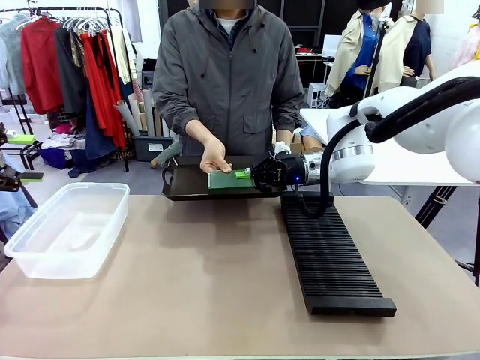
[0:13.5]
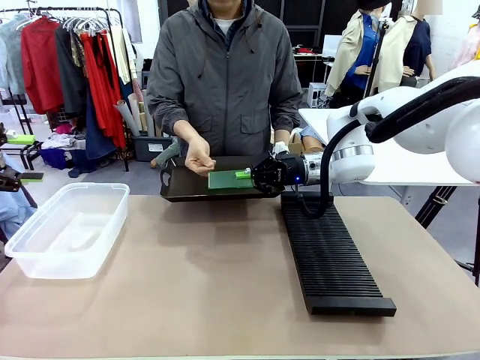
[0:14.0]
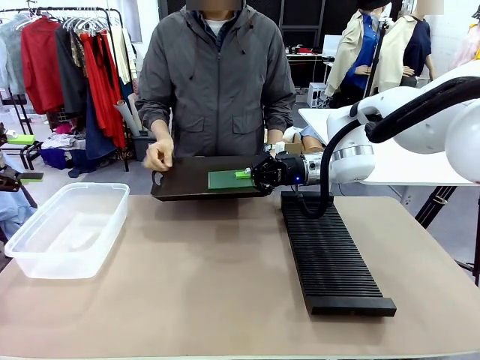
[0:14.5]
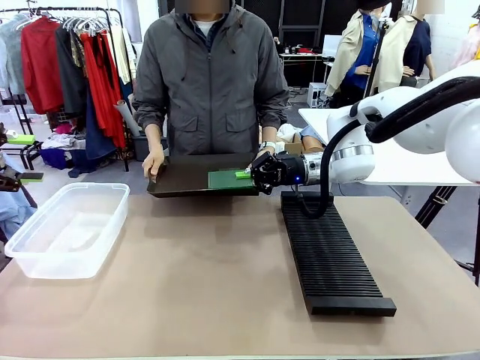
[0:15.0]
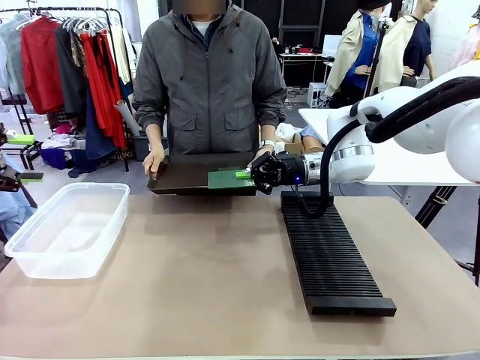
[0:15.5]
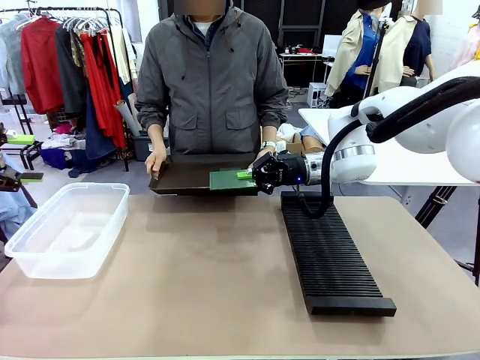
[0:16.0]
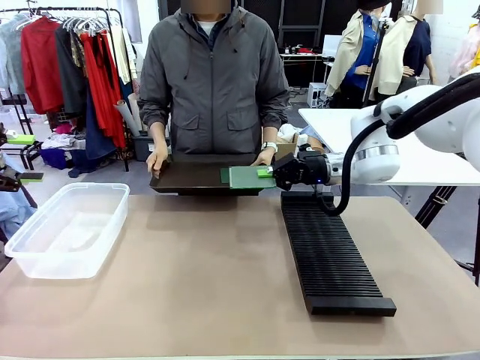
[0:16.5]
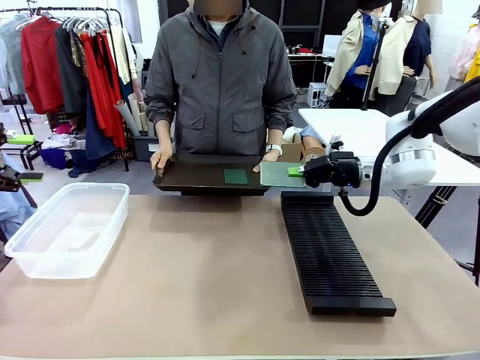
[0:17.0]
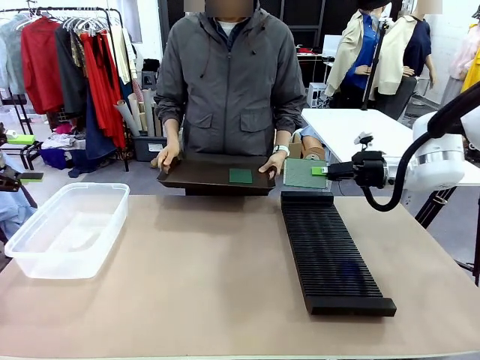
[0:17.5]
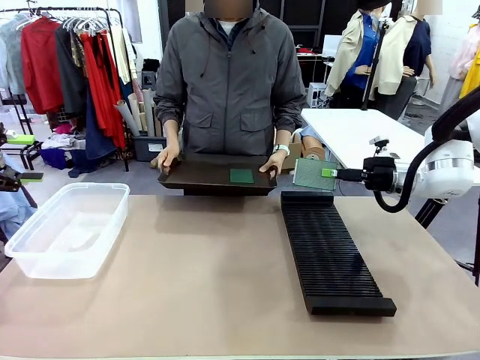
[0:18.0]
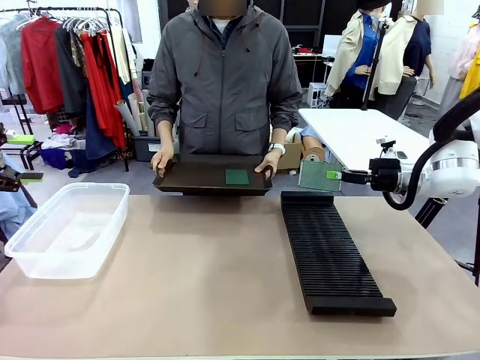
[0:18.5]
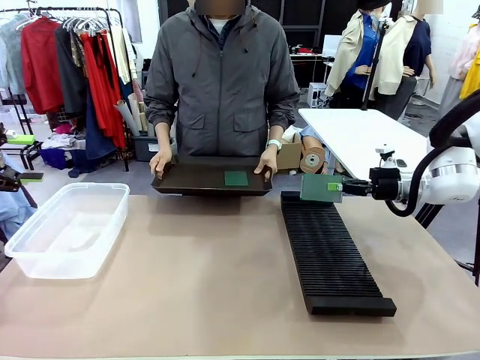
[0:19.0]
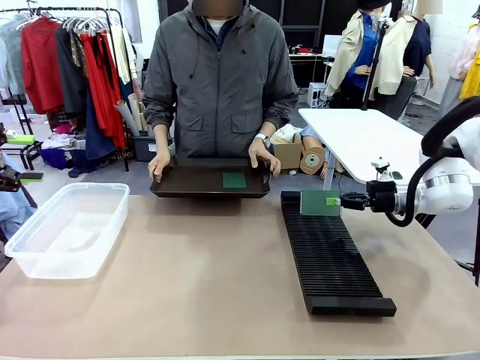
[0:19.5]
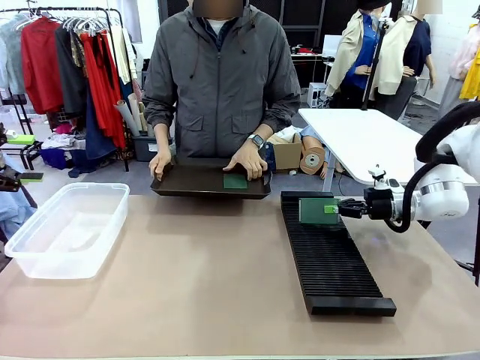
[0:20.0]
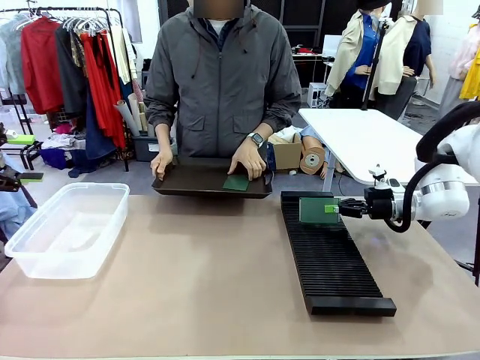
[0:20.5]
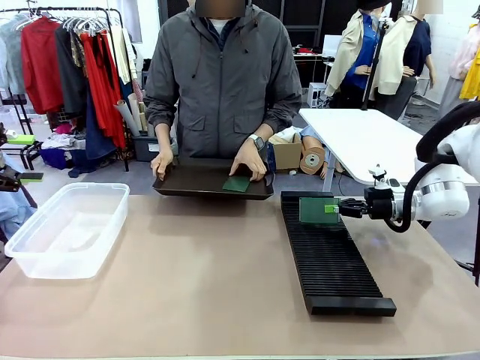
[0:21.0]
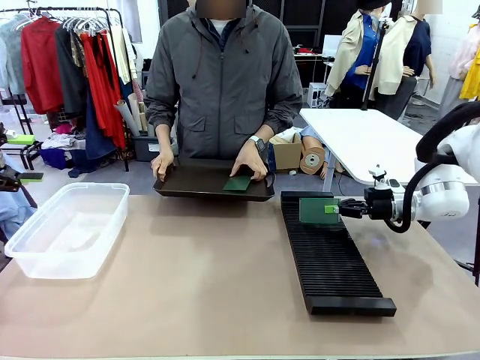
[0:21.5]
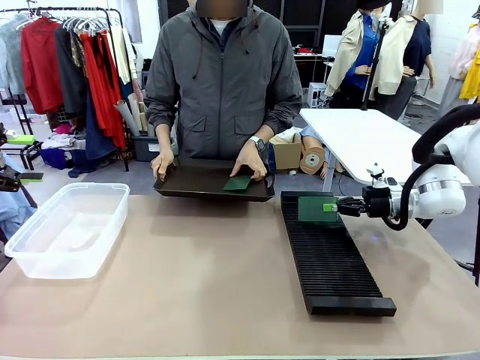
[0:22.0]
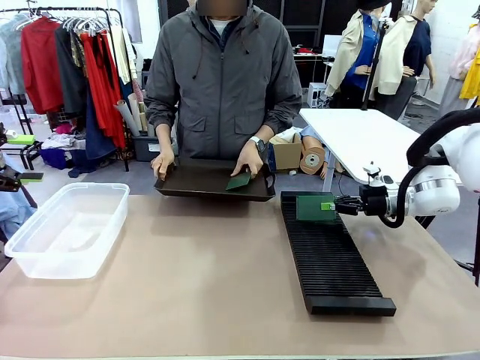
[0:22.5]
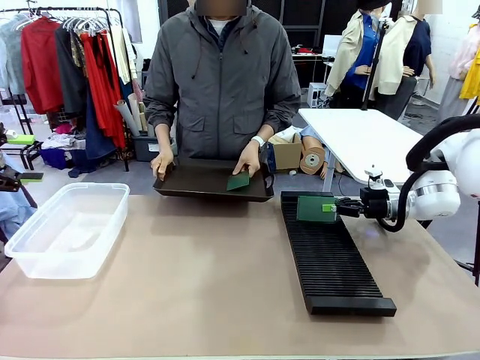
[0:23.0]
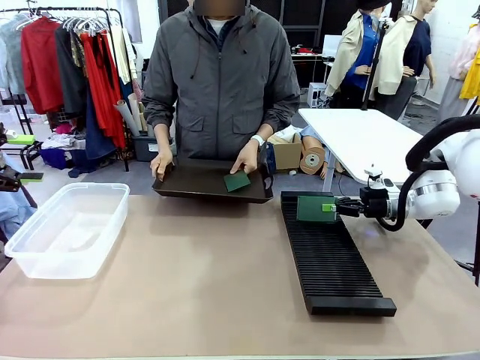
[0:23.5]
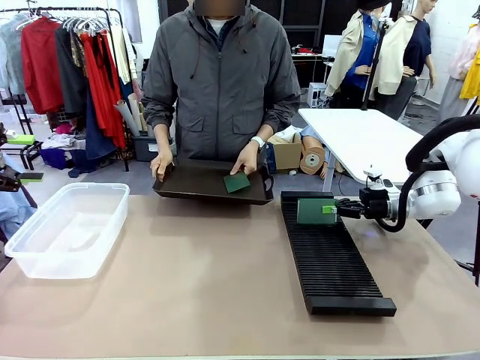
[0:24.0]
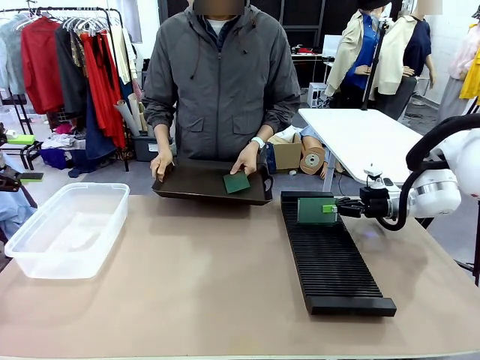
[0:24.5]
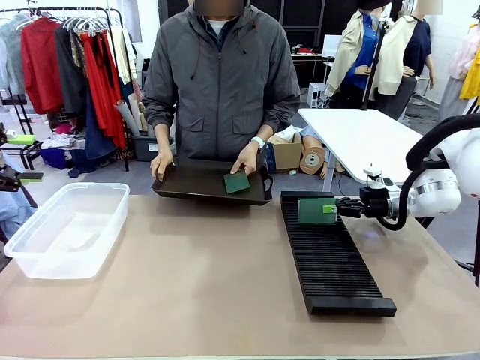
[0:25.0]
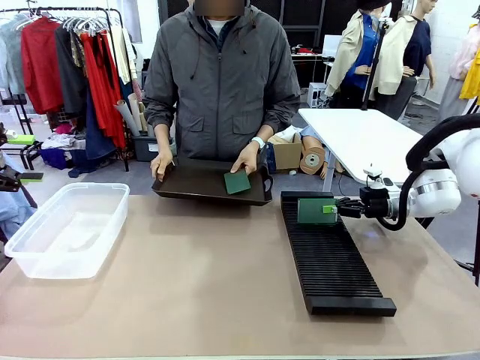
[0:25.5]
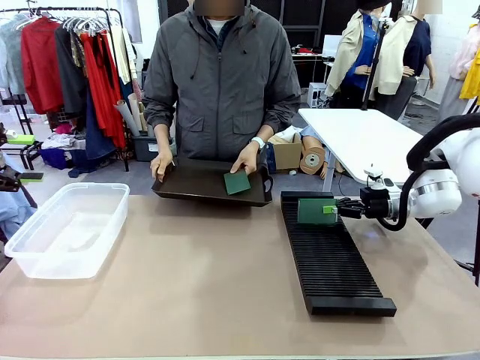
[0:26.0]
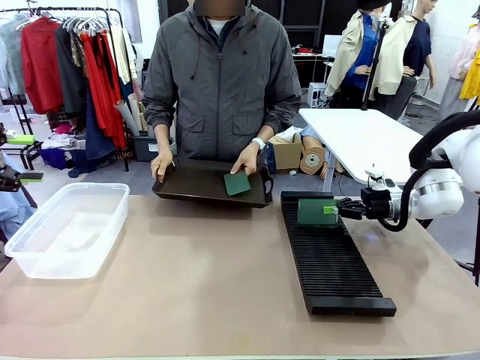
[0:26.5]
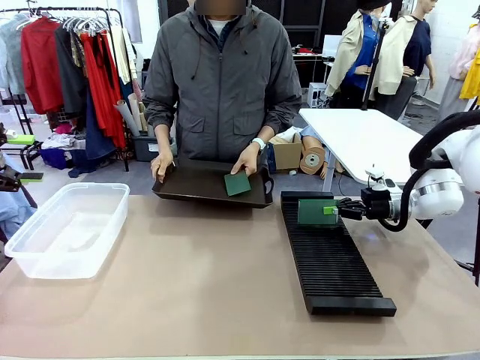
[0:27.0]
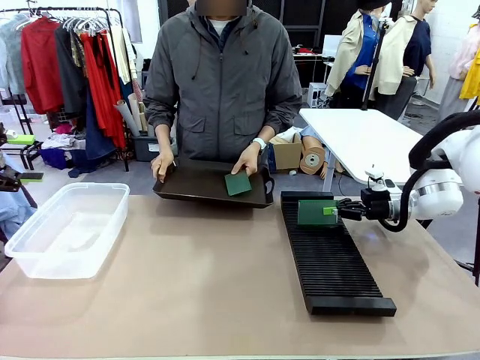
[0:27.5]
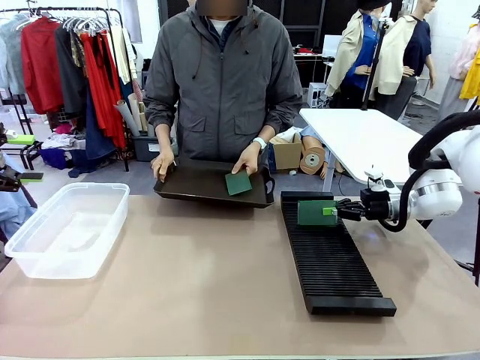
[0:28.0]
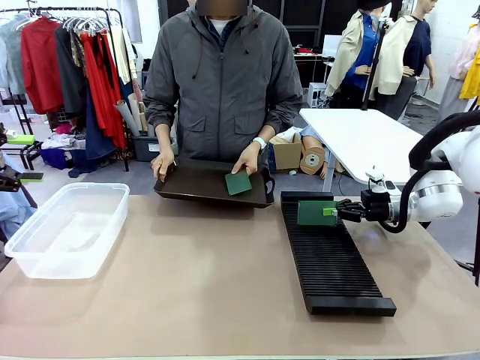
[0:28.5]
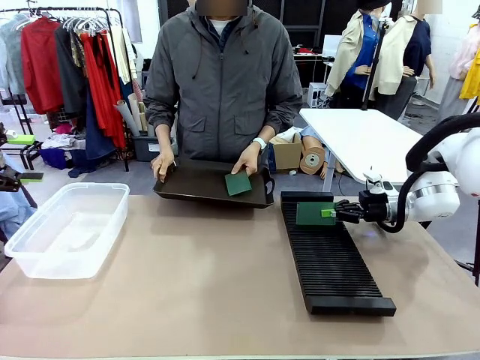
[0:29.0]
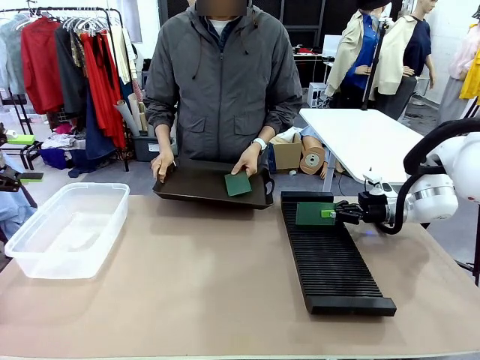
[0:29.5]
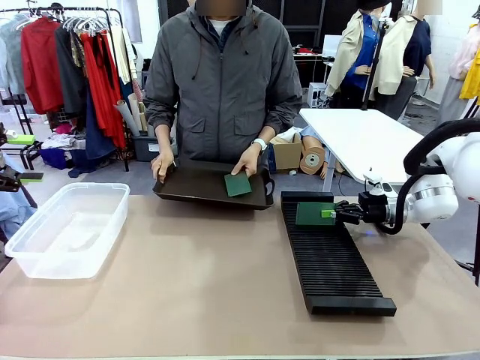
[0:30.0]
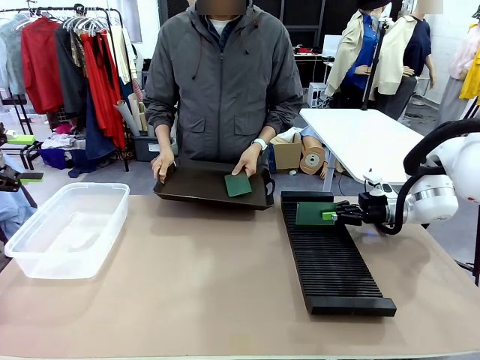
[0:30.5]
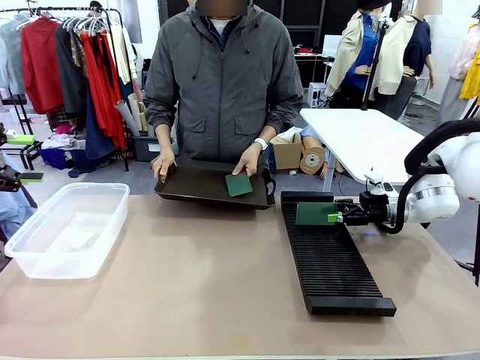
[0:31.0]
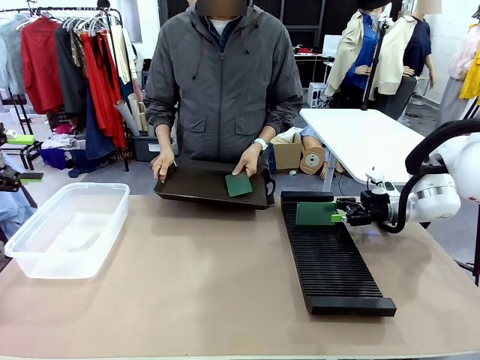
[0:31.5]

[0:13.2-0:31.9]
Task: Sort PCBs into racks and boxes based on the side picked up.
Robot: If the short side of the Blank PCB is picked up, insert it into the PCB Rack ; if the long side is picked up, place it in the Organizing box.
Person: Pick one PCB from the tray and present it to the robot.

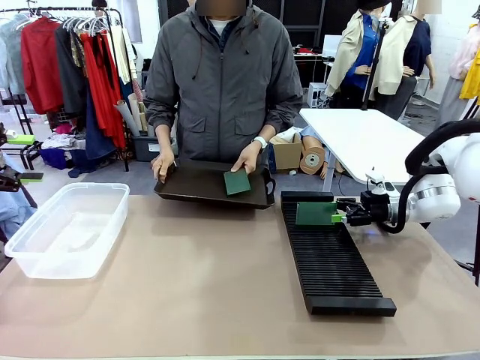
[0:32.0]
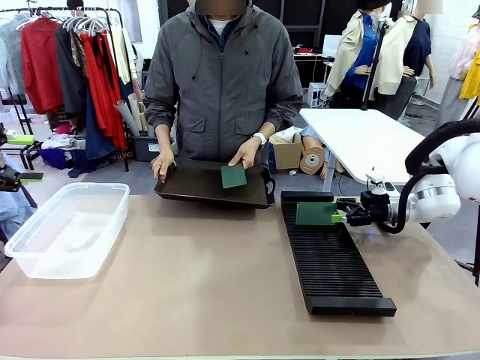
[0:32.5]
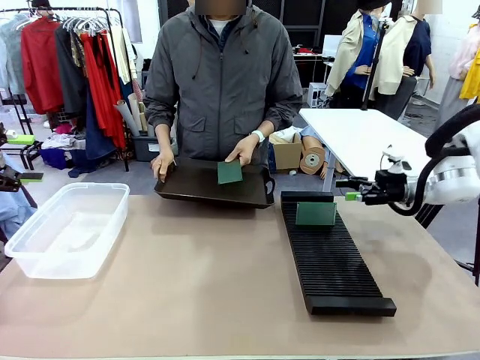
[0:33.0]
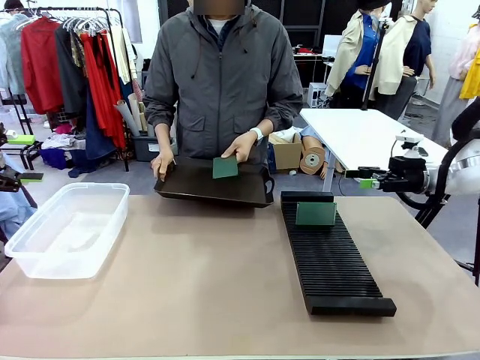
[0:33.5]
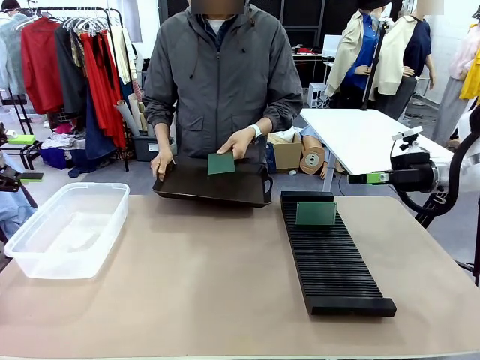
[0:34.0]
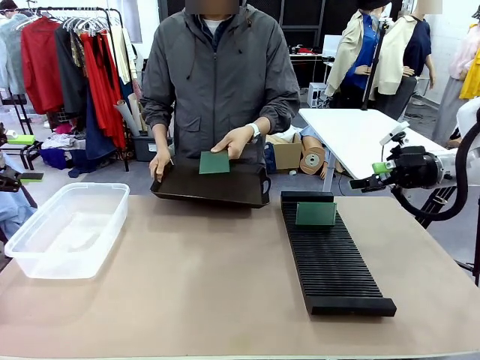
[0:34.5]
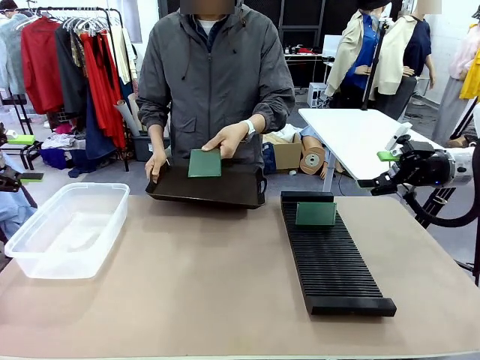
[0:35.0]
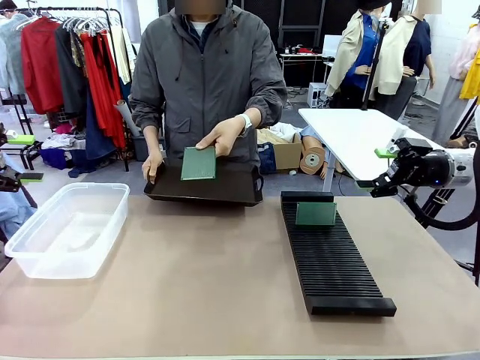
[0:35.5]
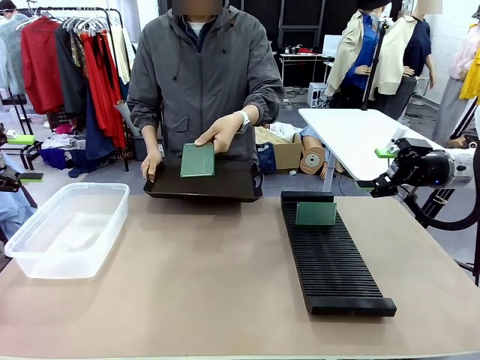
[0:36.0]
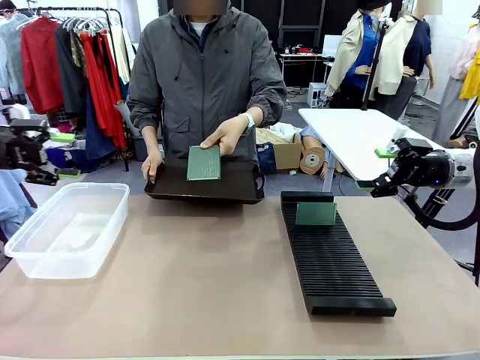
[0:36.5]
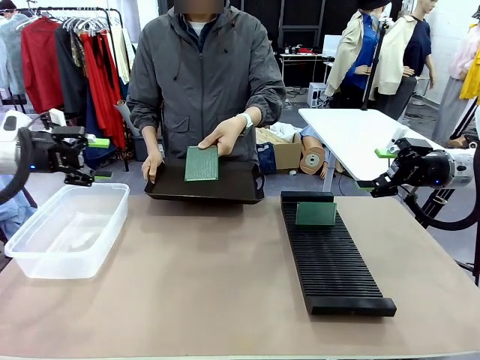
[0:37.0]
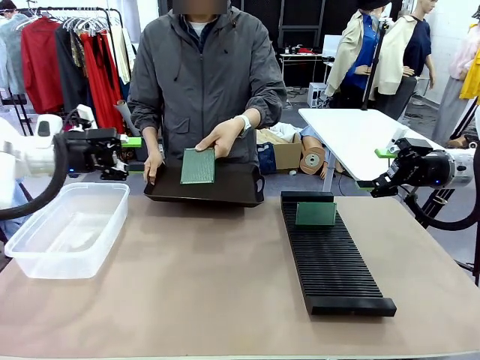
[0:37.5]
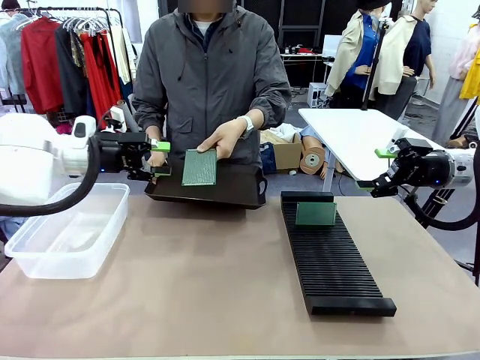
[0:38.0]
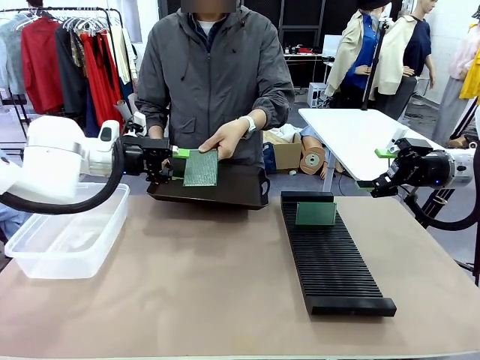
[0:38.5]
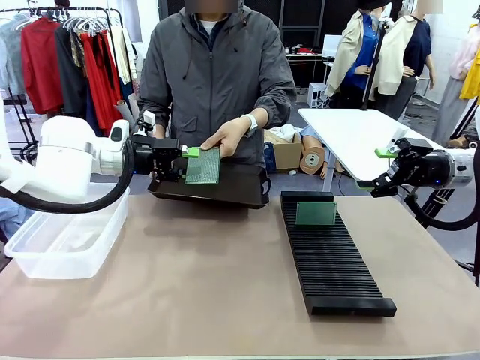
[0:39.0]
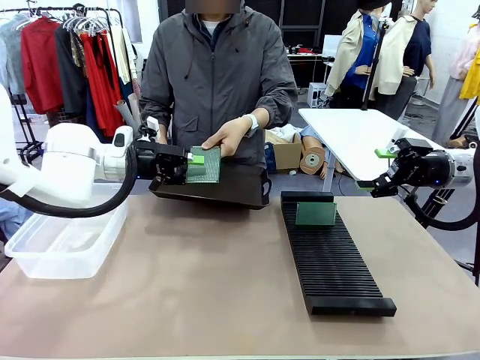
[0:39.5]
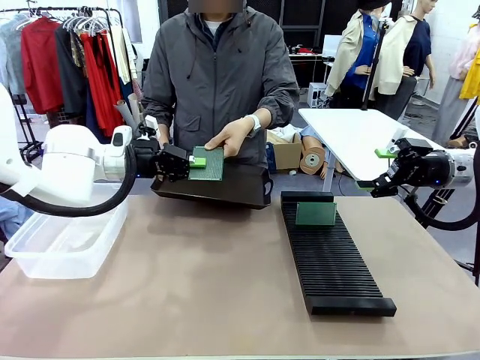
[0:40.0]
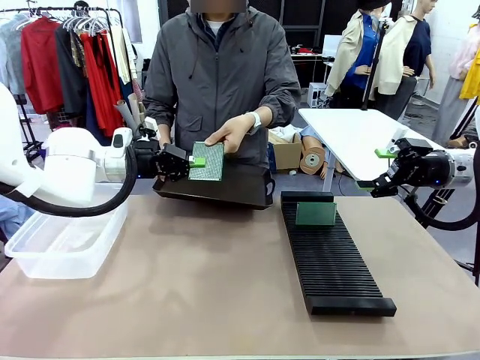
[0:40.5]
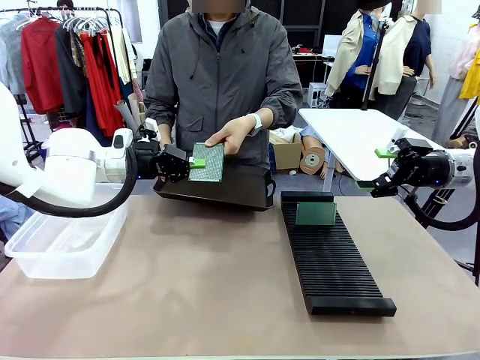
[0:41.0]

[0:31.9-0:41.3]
Robot: Pick up the Blank PCB handed by the Human.
